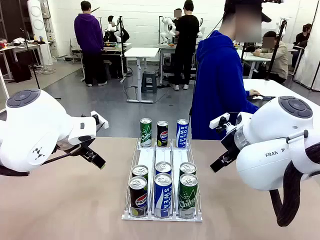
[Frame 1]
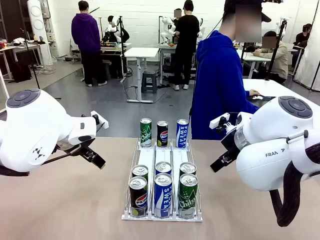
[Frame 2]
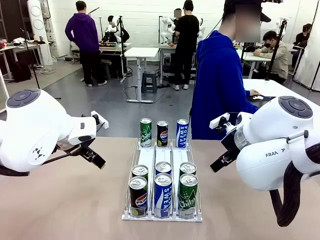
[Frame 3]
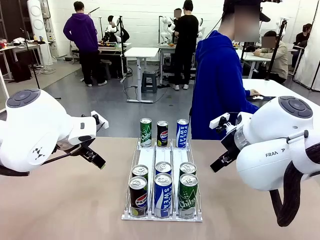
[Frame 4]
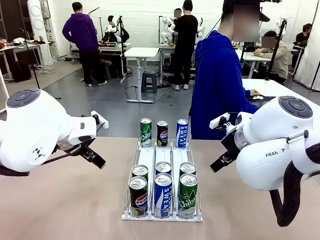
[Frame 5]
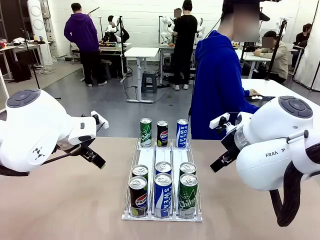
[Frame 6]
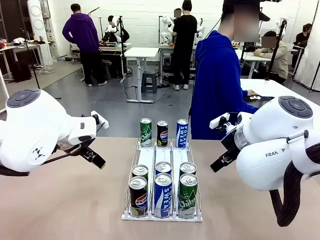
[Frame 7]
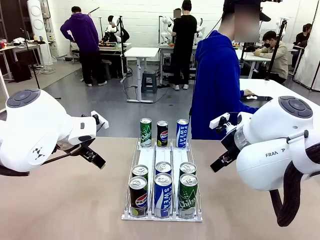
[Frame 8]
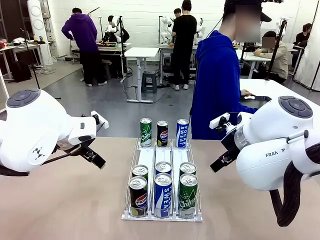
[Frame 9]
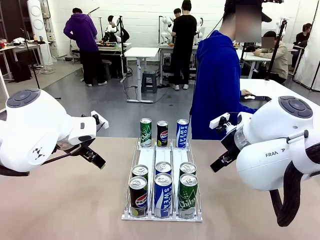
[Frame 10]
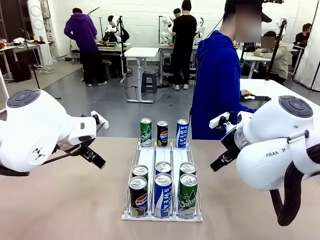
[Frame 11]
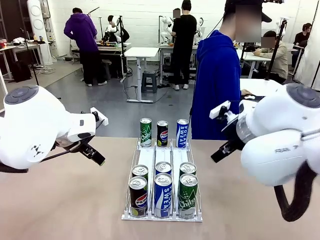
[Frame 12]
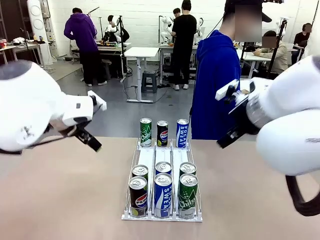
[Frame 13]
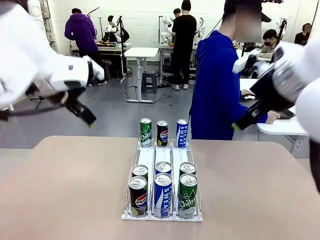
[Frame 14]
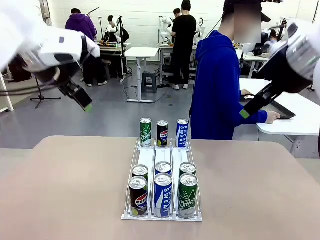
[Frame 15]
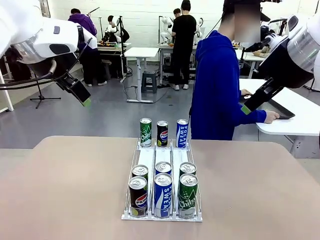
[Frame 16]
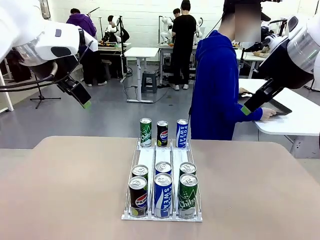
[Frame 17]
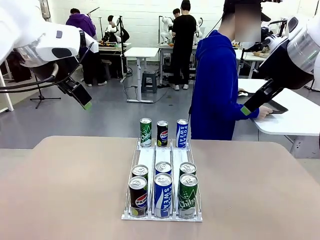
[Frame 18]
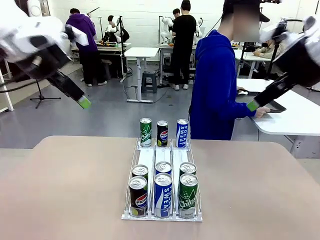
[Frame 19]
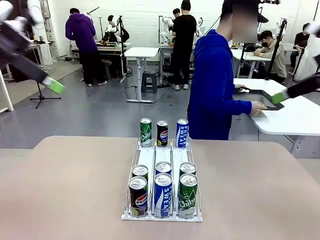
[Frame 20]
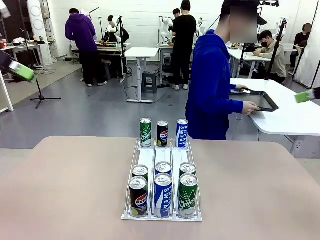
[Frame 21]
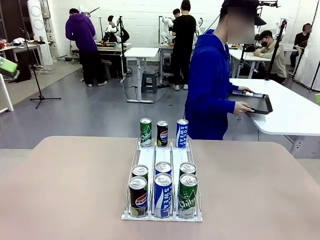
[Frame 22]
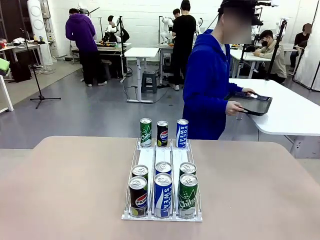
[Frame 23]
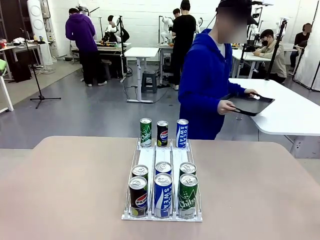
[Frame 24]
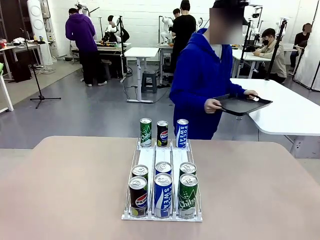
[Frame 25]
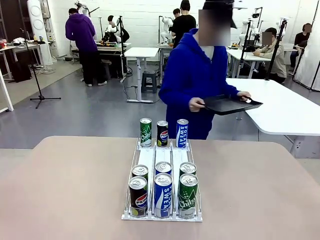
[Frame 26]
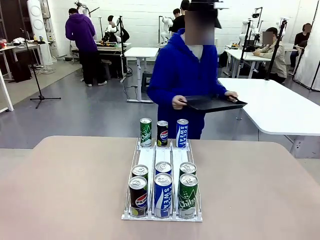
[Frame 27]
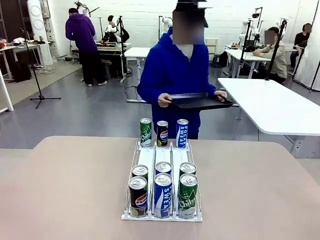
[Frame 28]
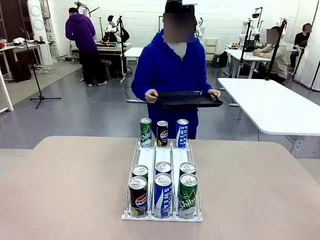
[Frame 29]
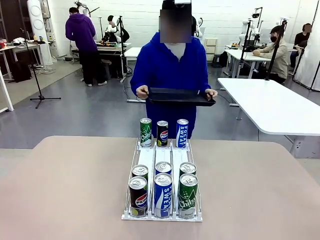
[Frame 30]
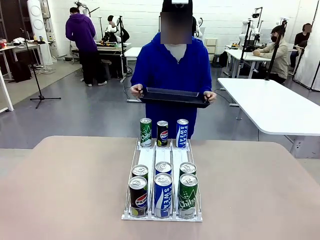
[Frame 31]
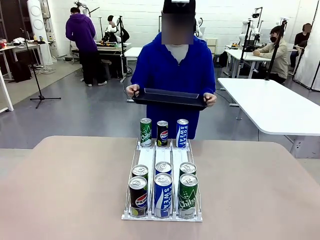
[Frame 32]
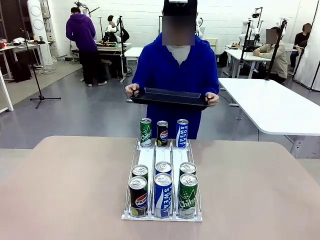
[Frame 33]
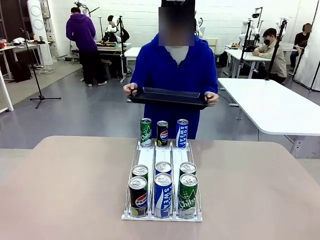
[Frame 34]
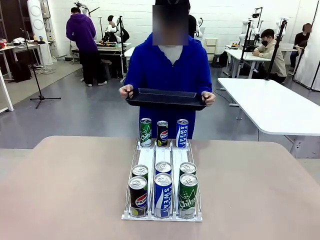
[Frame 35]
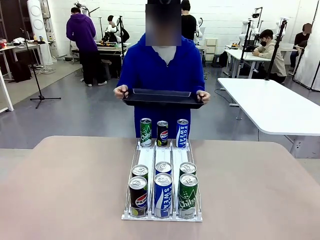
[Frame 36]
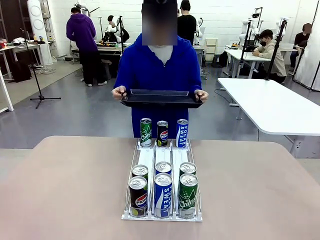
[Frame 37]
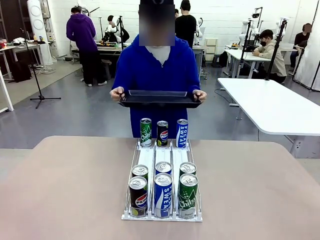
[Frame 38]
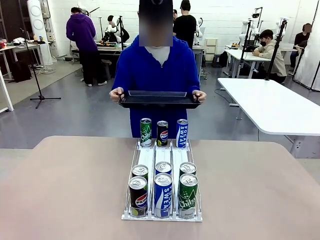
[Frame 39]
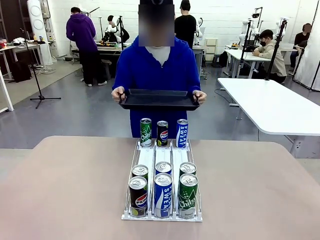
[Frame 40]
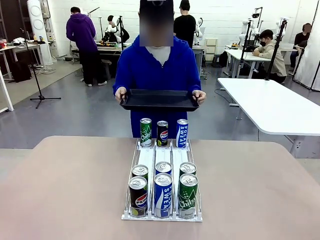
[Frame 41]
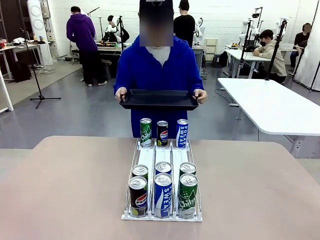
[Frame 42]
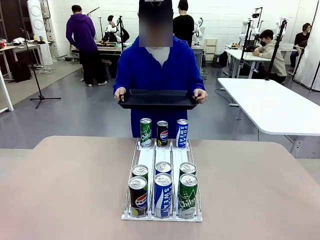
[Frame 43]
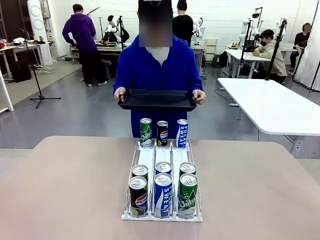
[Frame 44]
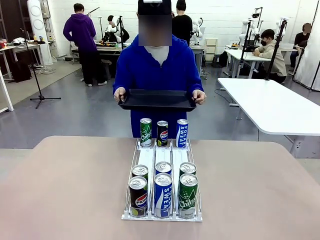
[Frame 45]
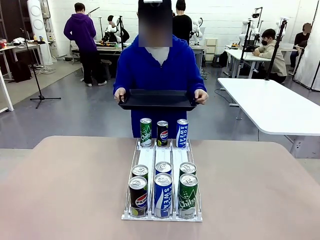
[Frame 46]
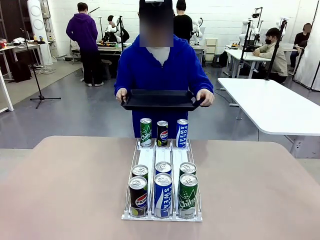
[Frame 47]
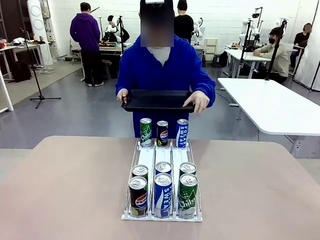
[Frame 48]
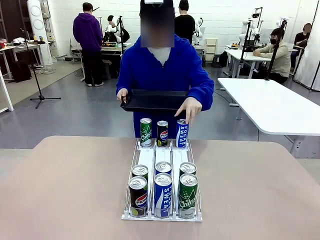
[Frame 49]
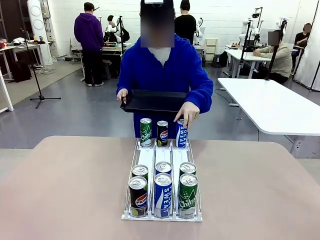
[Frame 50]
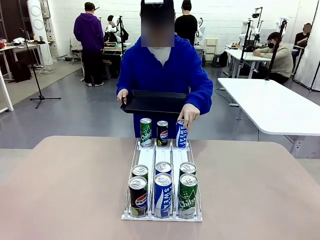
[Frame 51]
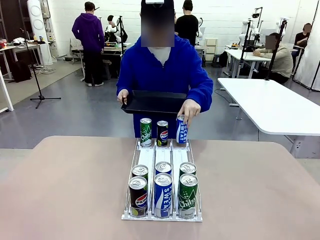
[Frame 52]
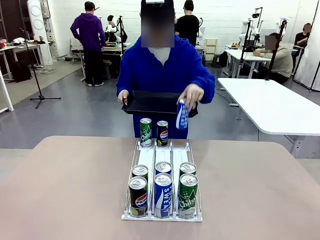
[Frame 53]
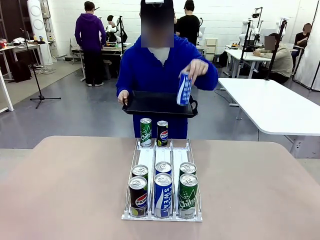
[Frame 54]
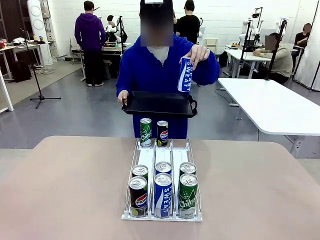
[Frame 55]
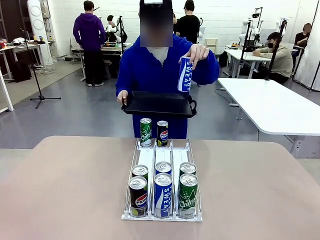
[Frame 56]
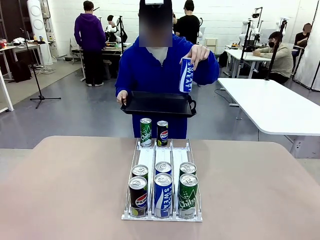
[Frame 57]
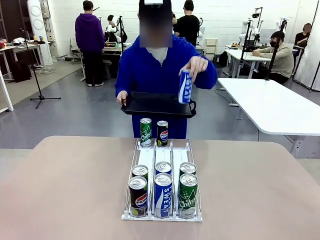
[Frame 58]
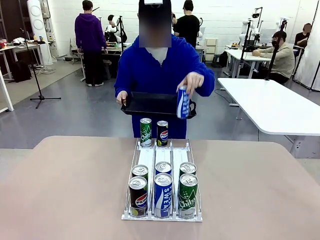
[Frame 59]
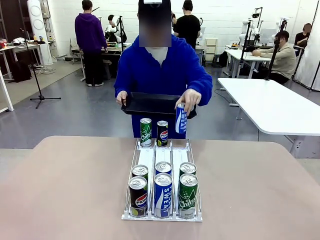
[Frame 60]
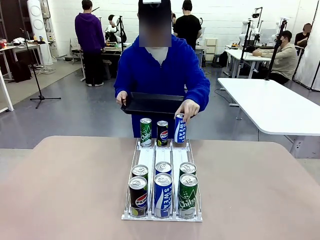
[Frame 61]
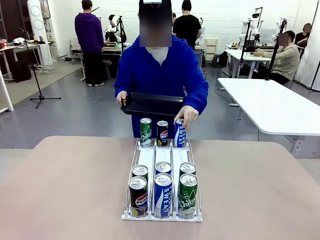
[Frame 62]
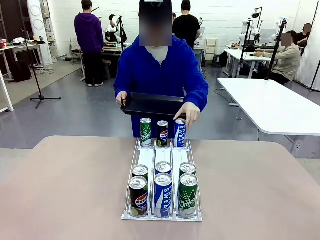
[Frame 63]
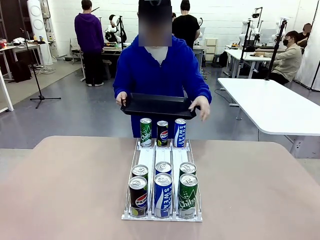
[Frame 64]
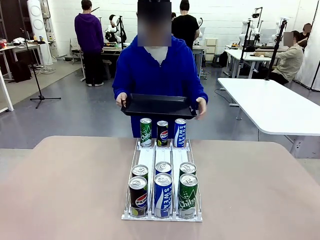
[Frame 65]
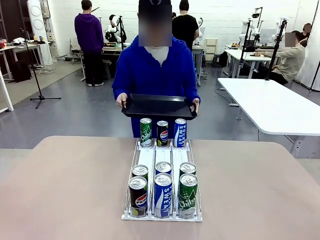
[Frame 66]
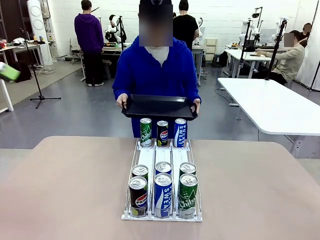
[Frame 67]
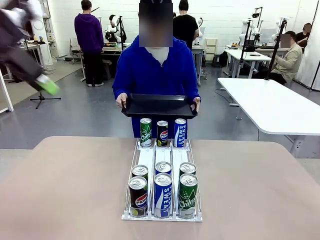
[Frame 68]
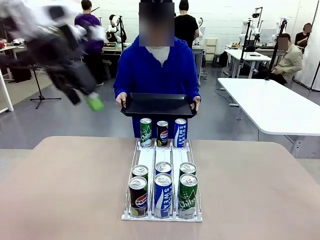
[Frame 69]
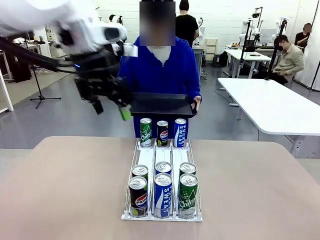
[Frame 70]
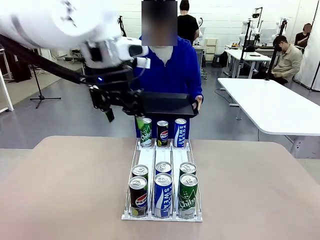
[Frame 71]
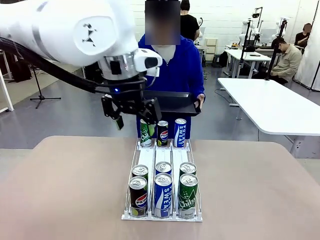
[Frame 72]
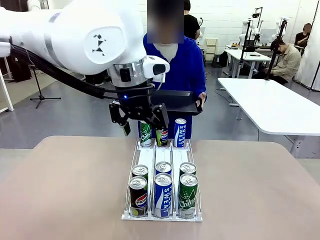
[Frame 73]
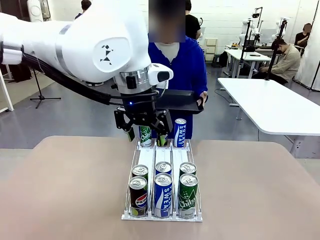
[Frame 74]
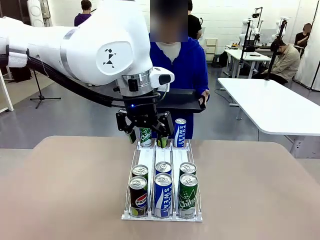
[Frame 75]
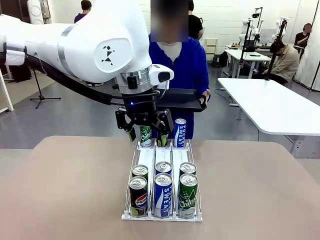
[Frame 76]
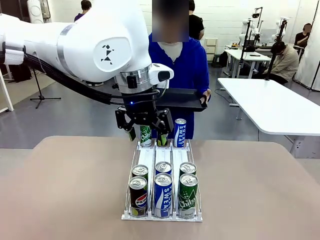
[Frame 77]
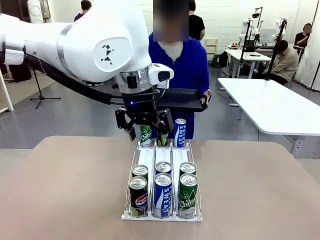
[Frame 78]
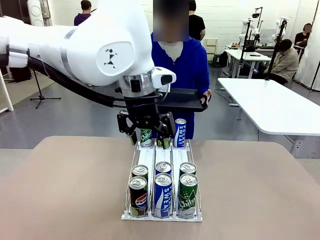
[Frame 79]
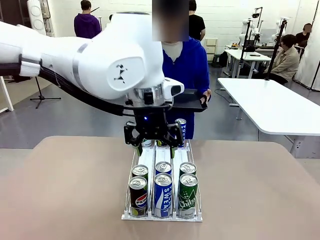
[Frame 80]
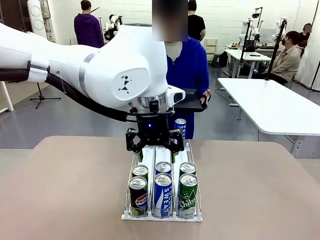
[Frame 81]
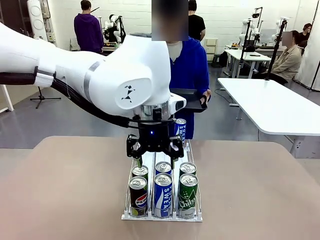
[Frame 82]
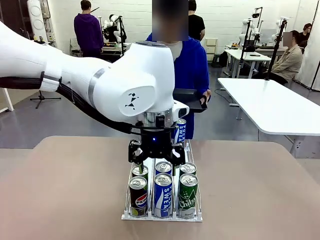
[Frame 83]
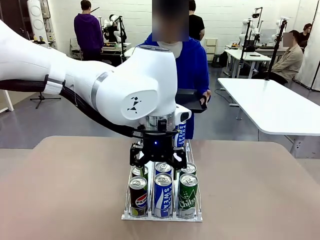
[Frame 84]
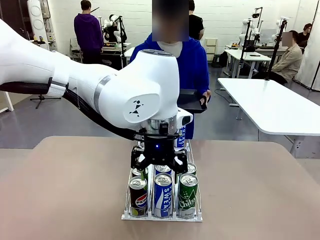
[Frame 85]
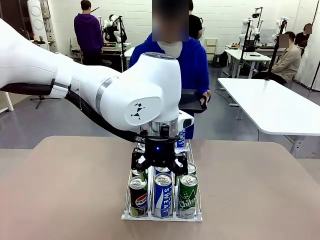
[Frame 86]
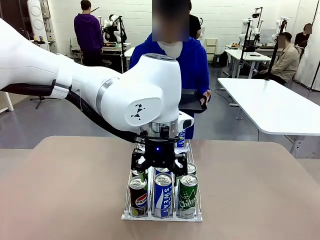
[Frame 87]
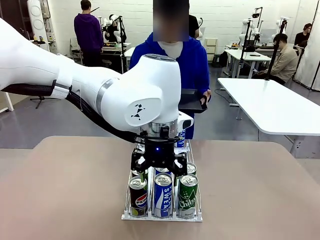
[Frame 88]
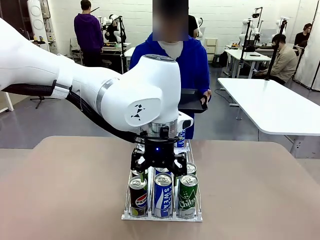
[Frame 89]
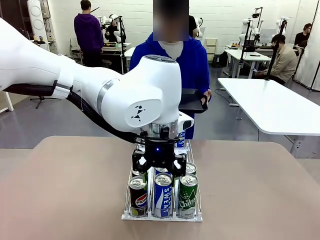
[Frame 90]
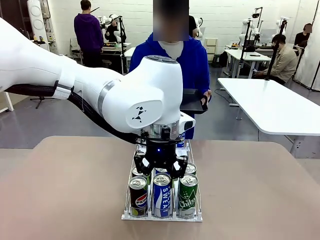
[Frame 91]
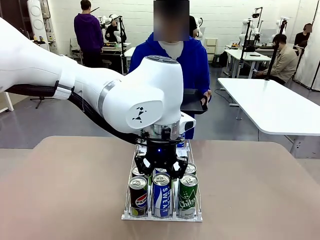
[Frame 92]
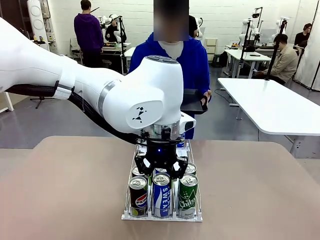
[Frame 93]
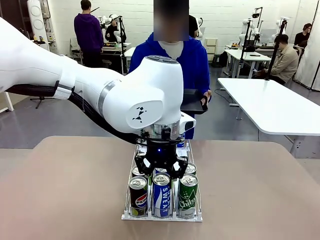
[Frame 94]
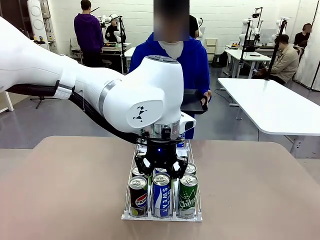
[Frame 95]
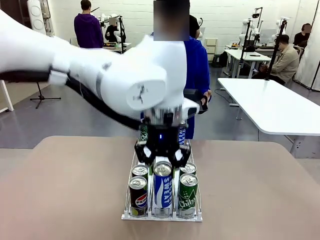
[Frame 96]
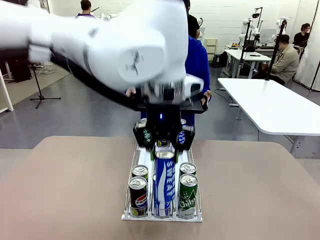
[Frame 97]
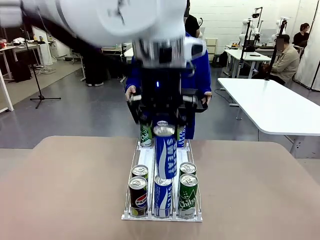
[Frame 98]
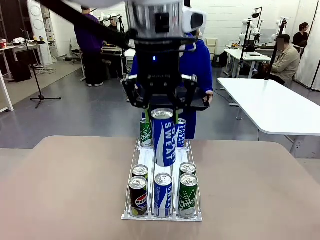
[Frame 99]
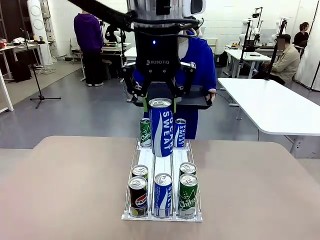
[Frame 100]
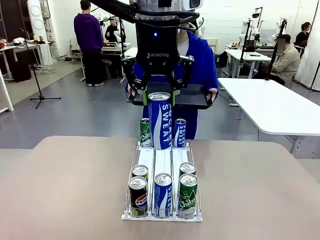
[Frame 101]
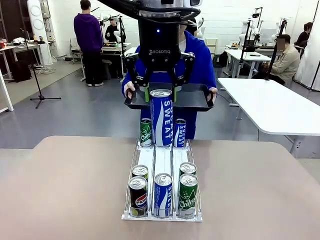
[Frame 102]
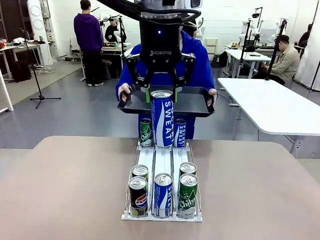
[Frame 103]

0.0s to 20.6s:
Task: Retrieve and hand over the desired beverage to the person.
Robot: Pick up a can of the same type that the person held from the Automatic Can Dispenser.
Person: Hold the tray and position yourself in front of the robot table. Pick up one can from the bottom area of the table and puts it back in its original place. Push the tray toward the robot.
